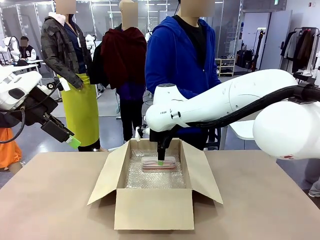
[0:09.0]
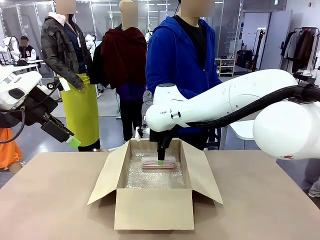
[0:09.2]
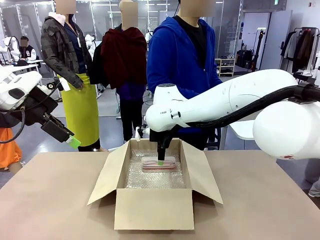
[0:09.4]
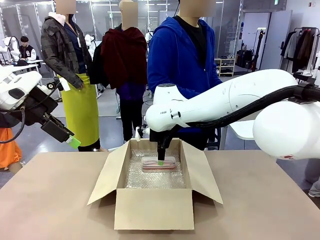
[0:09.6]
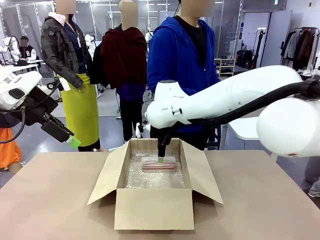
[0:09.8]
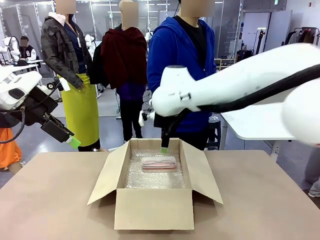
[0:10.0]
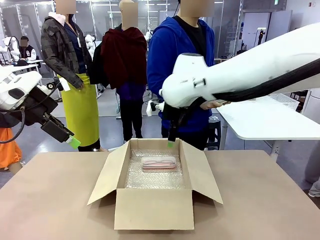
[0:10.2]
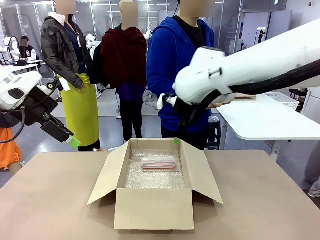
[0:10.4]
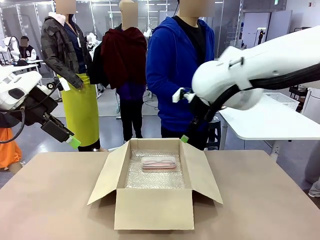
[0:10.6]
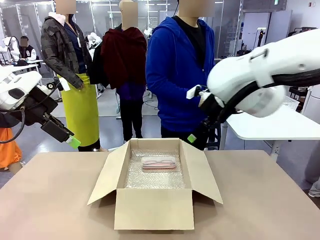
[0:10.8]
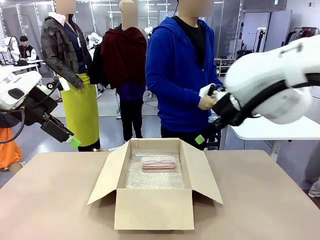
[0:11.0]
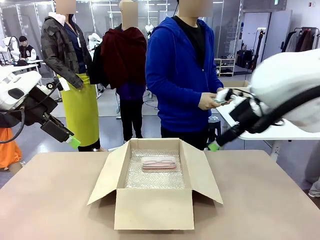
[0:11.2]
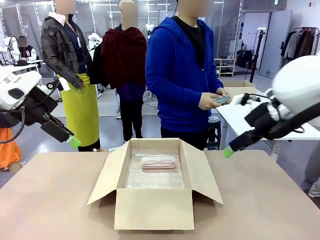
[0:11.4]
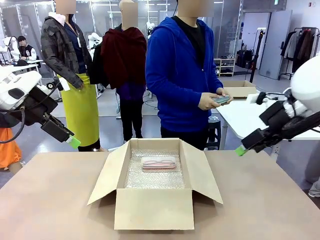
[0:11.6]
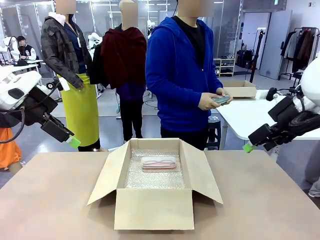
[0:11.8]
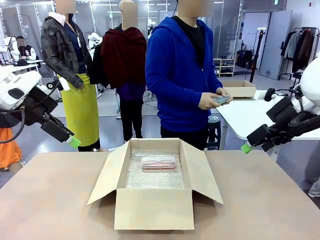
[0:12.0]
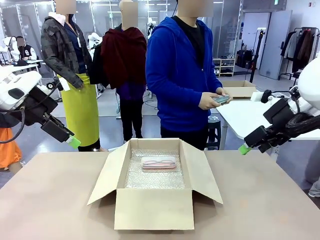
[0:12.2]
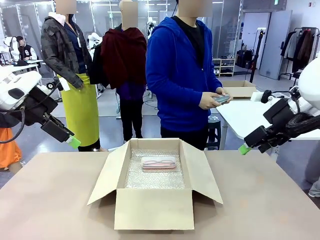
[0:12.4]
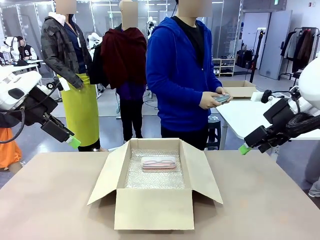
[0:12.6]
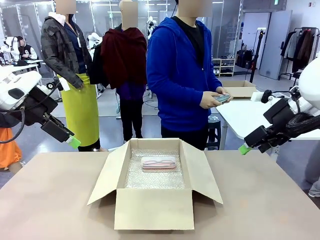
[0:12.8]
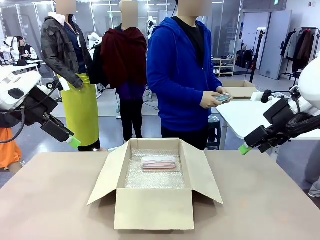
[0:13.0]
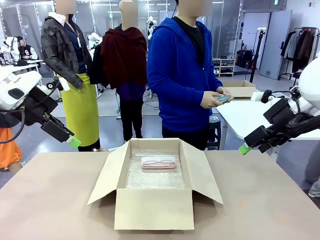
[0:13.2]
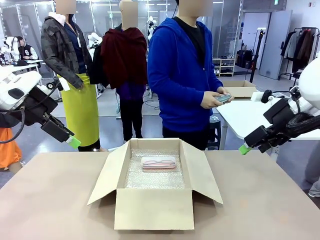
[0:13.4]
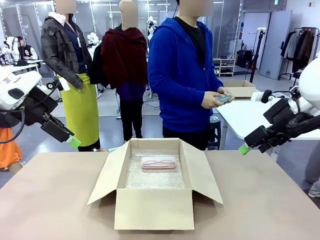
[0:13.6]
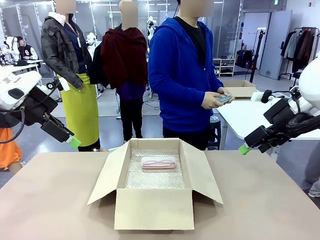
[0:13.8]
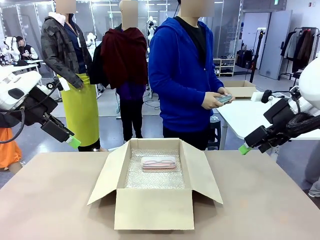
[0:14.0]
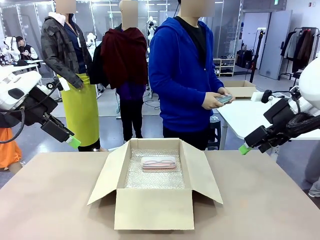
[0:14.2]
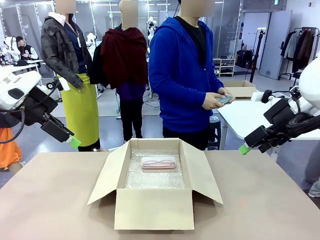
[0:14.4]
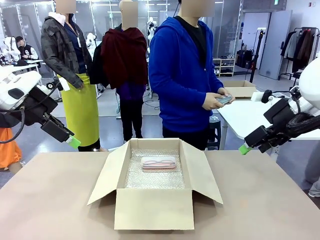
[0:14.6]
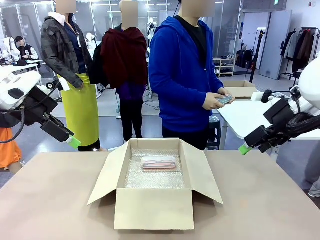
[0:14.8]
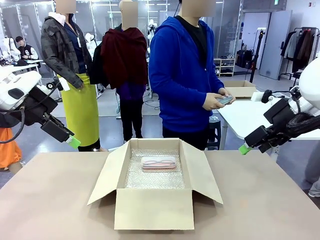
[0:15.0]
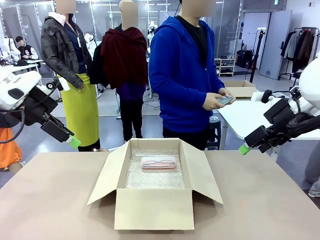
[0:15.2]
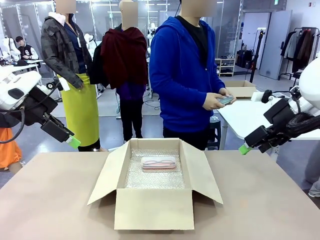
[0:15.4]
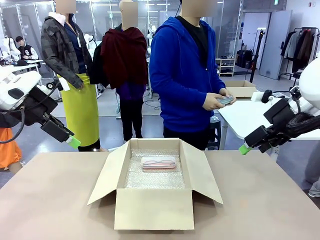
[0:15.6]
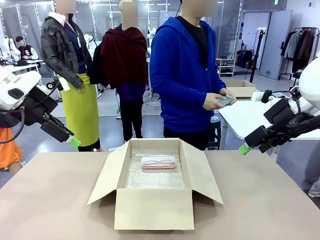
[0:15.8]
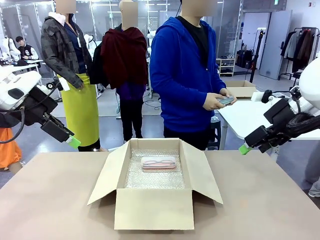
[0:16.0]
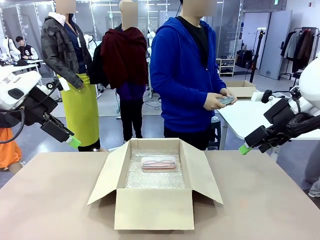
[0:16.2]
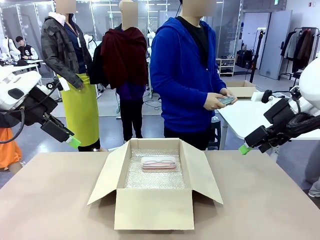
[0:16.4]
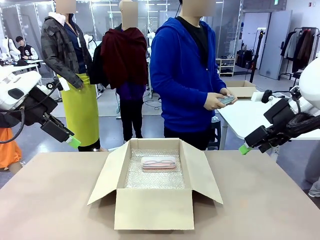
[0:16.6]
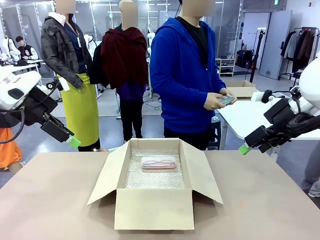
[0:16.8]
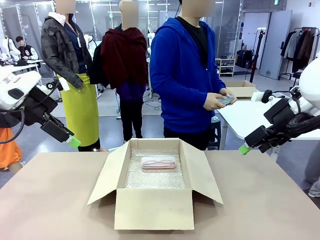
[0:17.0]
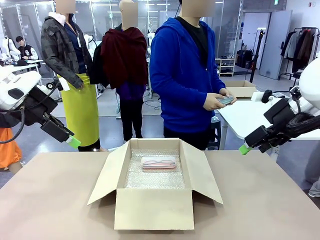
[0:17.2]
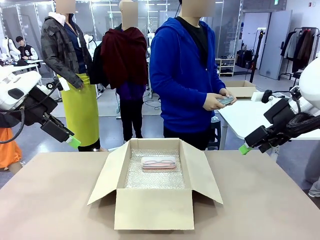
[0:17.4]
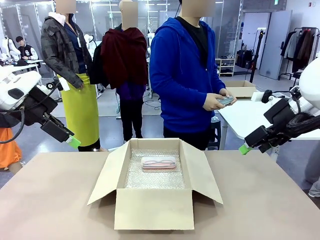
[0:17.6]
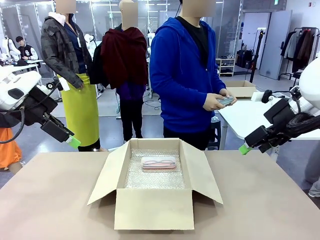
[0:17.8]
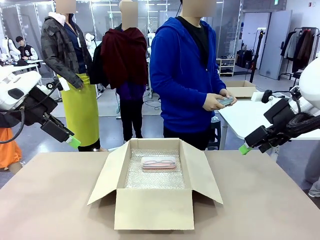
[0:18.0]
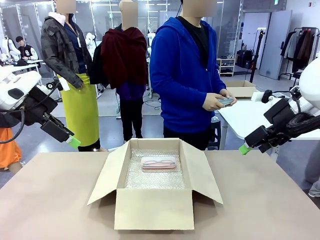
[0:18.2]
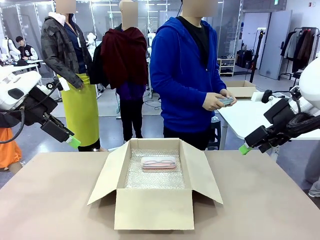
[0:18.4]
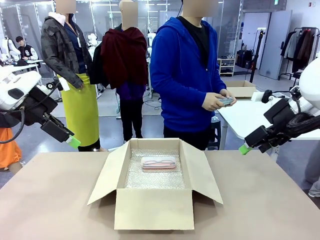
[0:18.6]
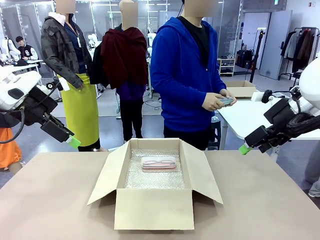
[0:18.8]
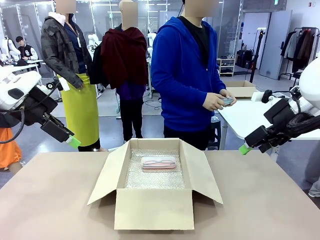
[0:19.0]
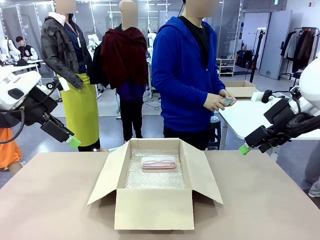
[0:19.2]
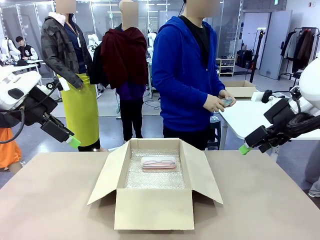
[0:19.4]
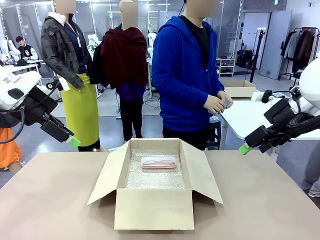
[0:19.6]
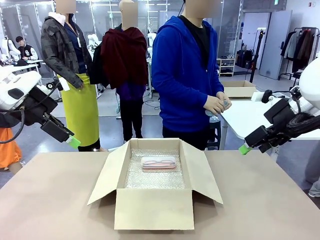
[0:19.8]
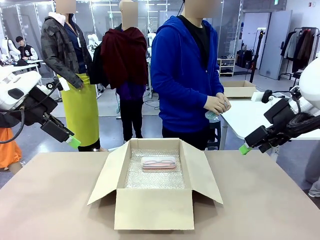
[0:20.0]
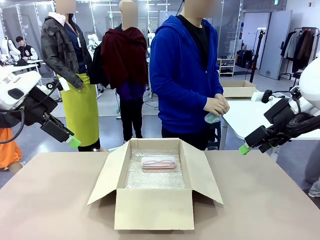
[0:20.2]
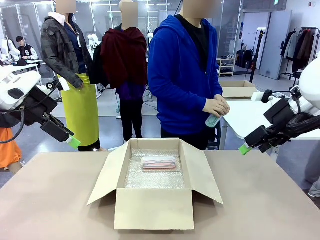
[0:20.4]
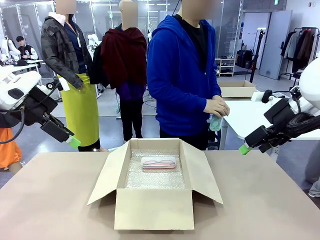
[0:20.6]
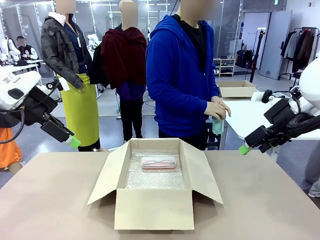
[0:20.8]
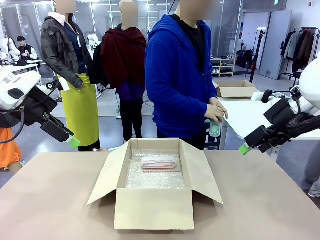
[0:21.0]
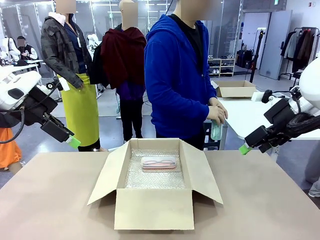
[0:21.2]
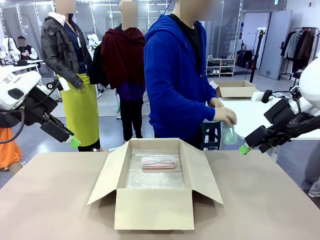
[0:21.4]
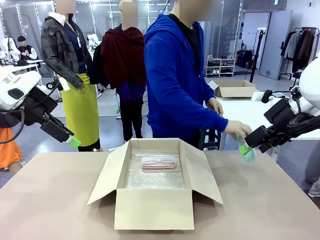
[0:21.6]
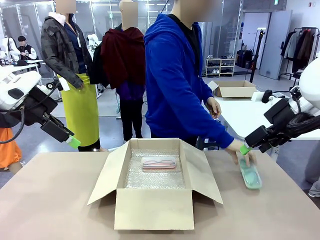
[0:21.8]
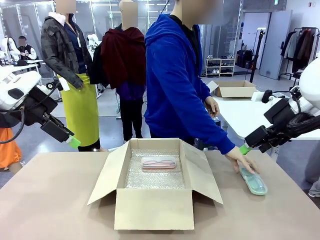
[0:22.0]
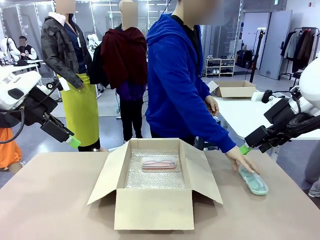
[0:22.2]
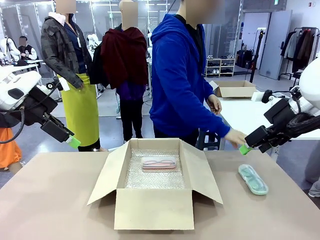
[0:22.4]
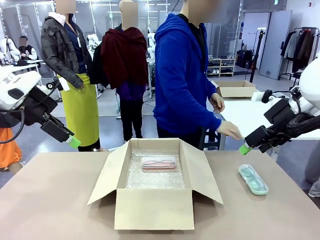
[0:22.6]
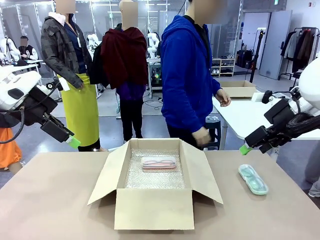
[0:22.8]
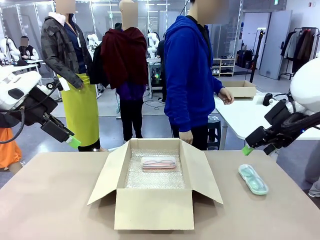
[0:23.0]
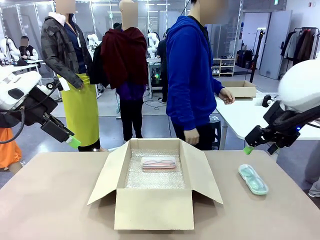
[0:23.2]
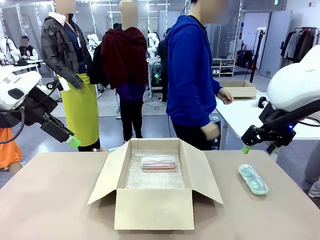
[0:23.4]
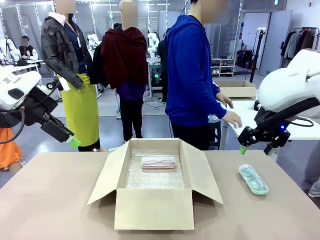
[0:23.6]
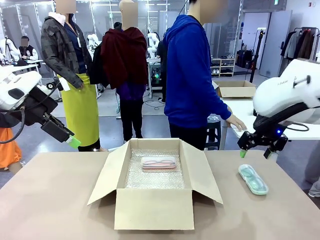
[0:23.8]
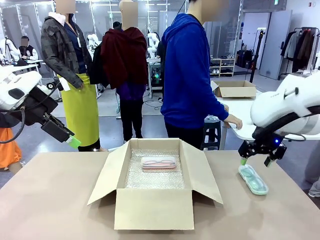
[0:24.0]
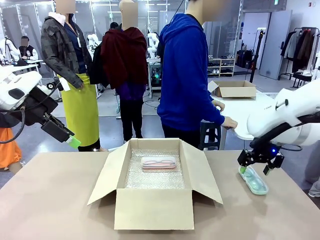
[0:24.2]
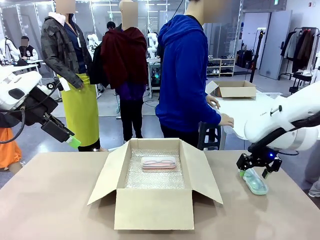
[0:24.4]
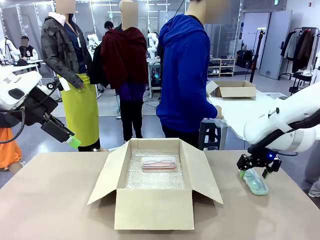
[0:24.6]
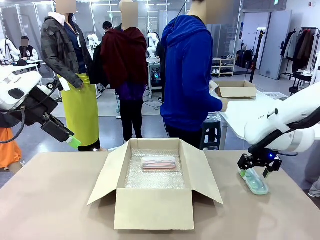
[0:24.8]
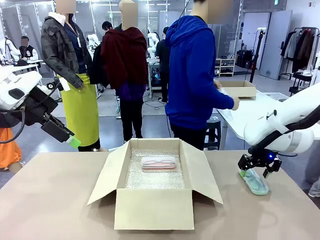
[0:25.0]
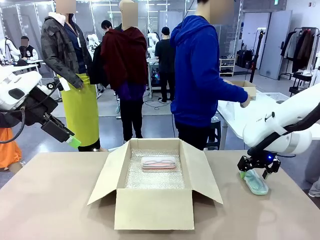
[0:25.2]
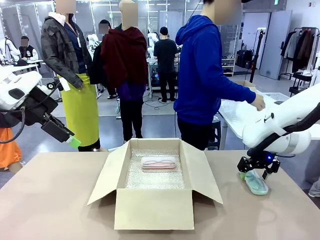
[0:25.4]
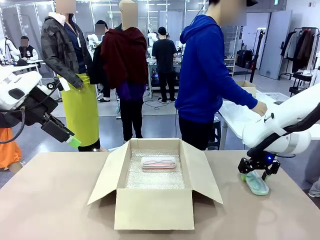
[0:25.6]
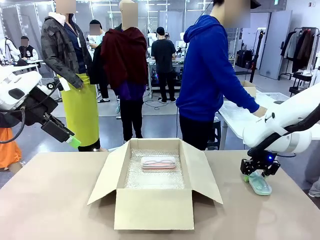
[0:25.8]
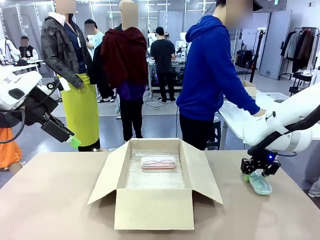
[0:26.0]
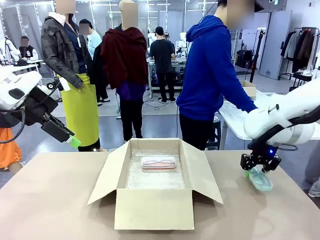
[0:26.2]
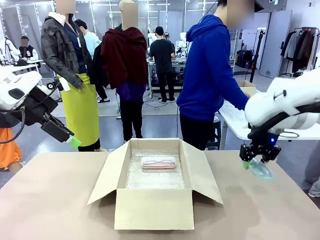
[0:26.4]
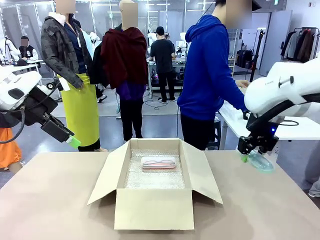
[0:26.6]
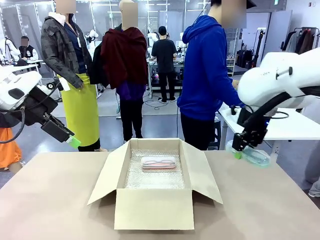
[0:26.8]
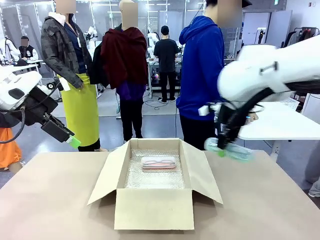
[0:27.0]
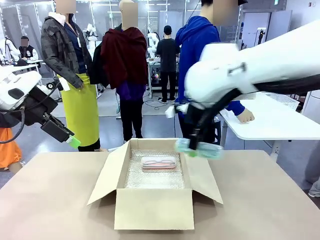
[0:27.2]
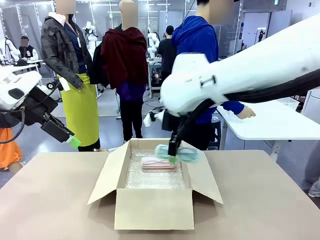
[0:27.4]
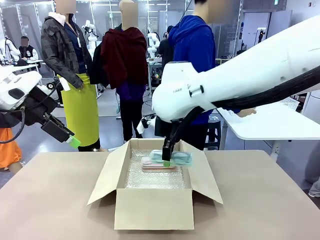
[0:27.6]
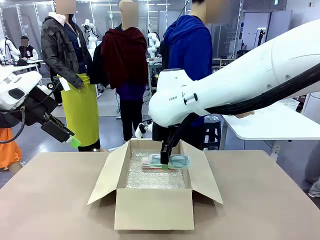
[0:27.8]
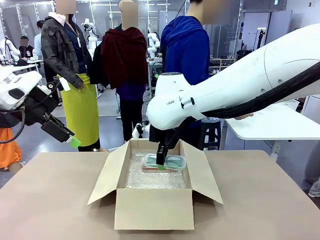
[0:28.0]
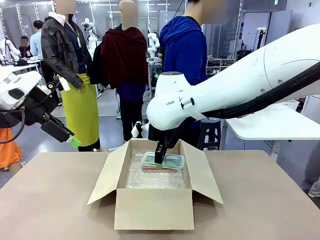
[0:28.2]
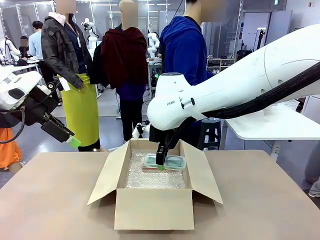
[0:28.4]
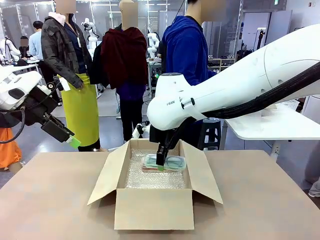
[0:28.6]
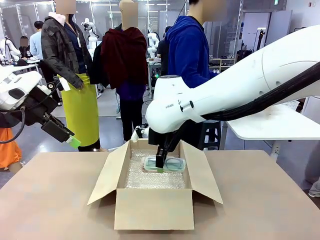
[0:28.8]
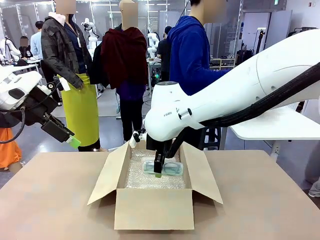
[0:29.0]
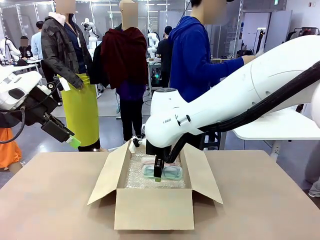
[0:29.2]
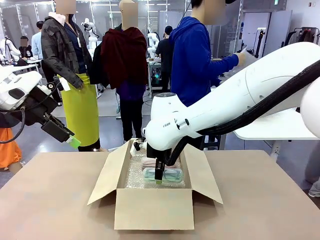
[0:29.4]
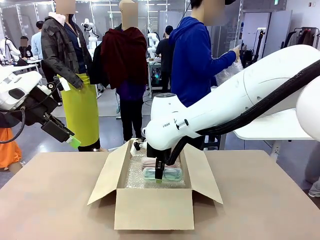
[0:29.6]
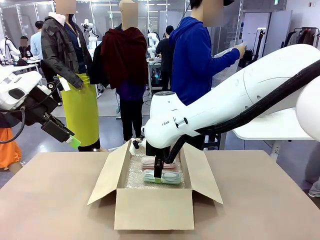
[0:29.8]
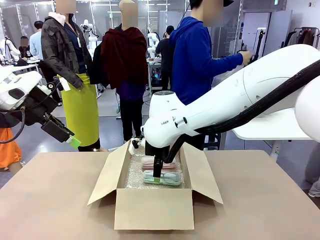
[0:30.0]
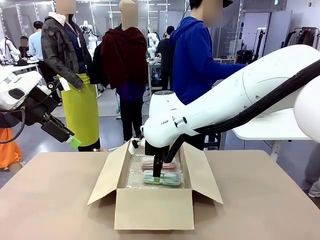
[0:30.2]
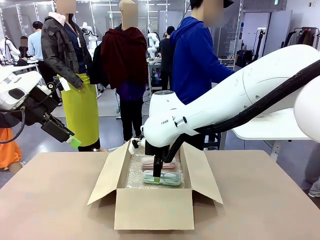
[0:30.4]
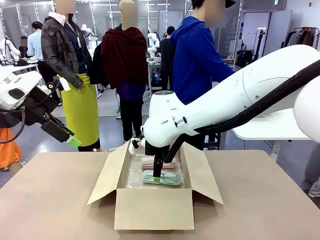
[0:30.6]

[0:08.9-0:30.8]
Task: Pack the glasses set securely to prepare it for shipping.
Robot: Put the Glasses case from the right side of the table into the Package Box.
Person: Position the Glasses case on the left side of the robot's table.
